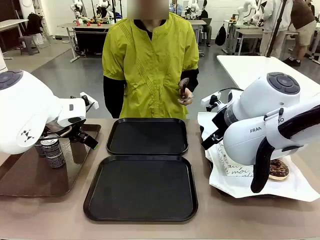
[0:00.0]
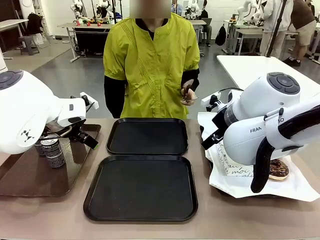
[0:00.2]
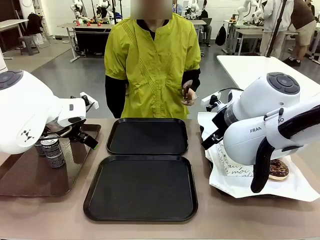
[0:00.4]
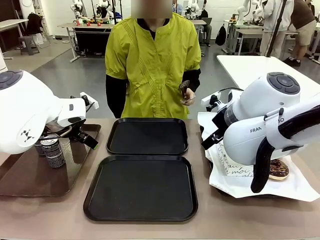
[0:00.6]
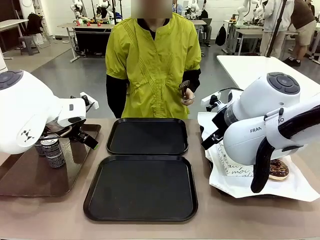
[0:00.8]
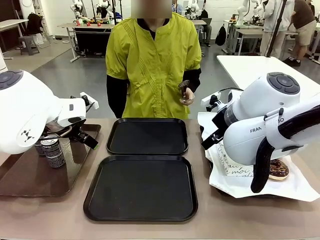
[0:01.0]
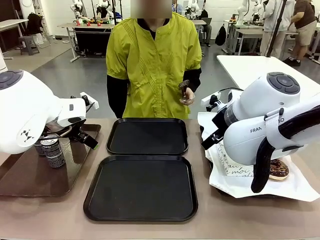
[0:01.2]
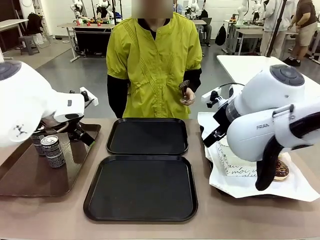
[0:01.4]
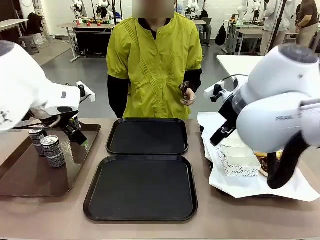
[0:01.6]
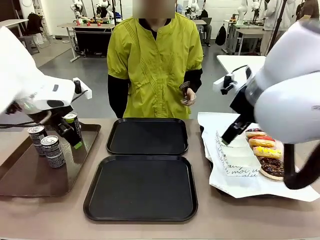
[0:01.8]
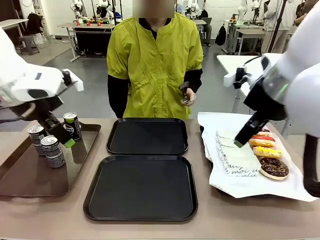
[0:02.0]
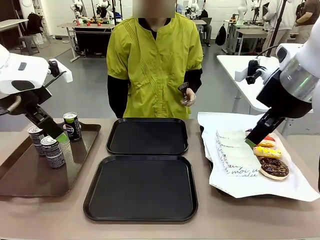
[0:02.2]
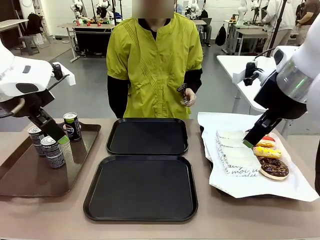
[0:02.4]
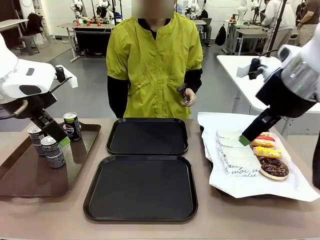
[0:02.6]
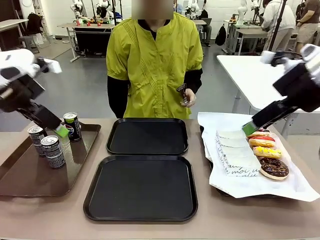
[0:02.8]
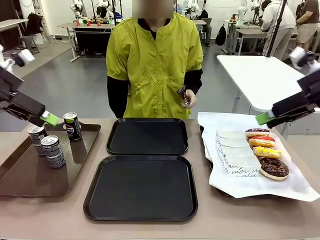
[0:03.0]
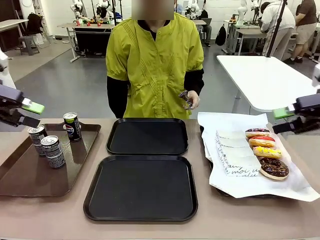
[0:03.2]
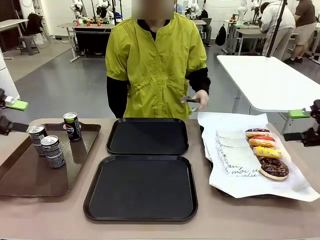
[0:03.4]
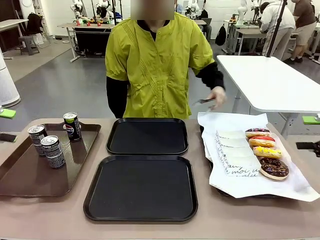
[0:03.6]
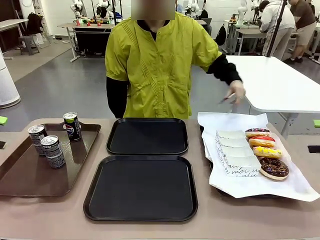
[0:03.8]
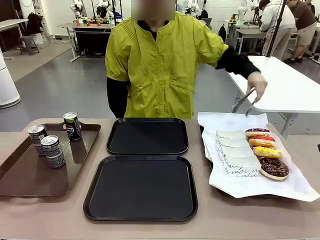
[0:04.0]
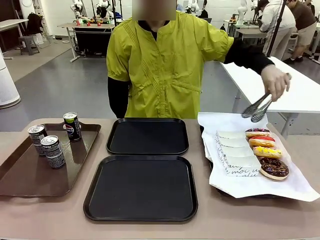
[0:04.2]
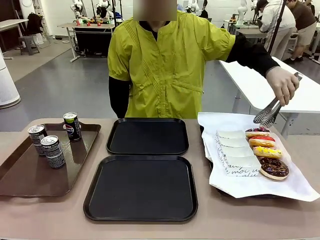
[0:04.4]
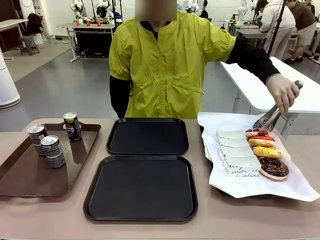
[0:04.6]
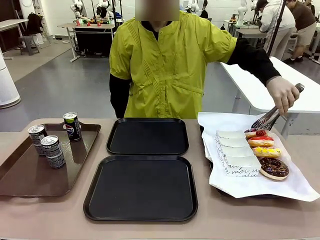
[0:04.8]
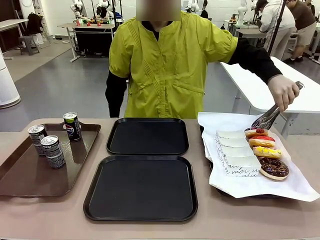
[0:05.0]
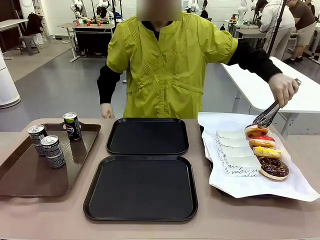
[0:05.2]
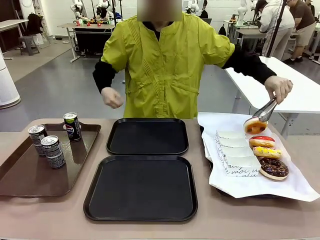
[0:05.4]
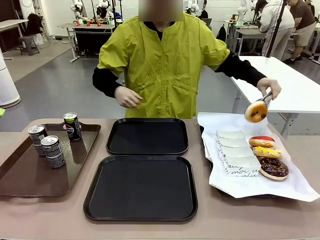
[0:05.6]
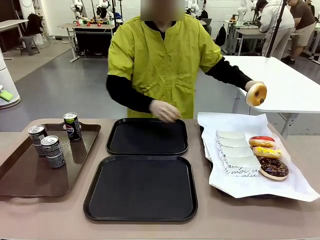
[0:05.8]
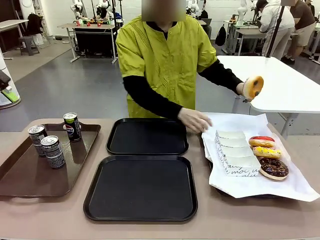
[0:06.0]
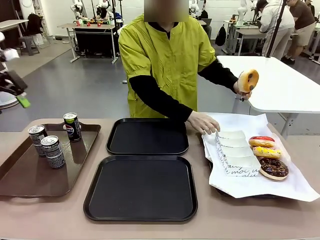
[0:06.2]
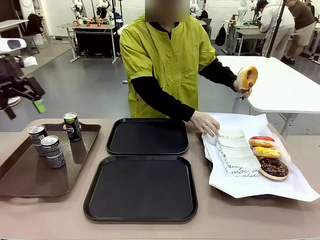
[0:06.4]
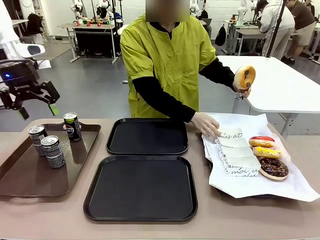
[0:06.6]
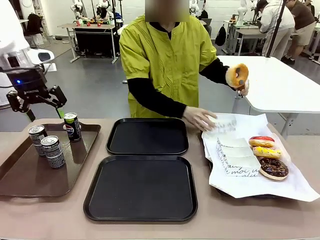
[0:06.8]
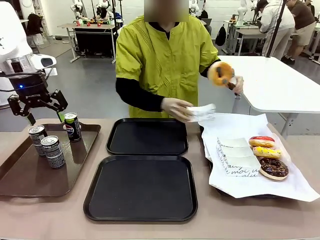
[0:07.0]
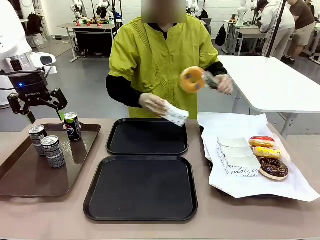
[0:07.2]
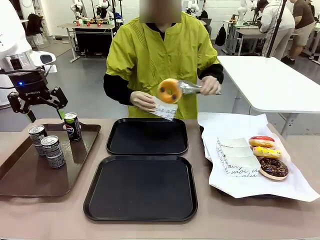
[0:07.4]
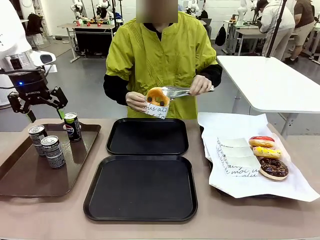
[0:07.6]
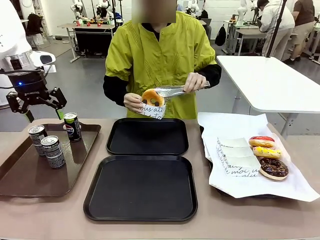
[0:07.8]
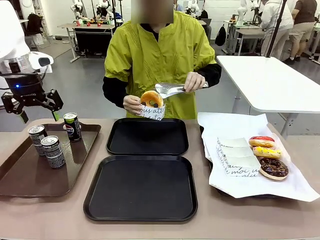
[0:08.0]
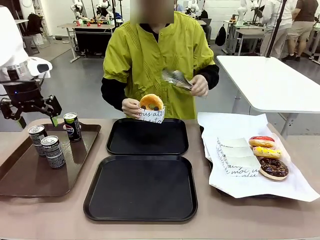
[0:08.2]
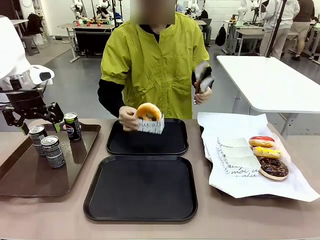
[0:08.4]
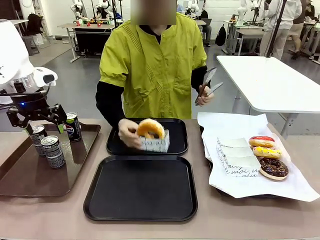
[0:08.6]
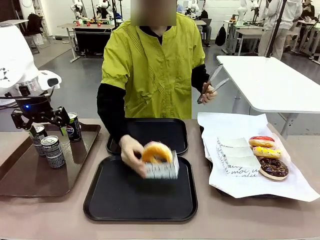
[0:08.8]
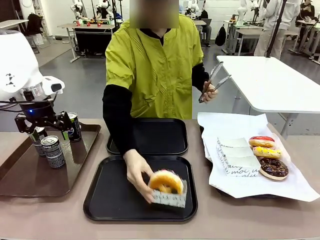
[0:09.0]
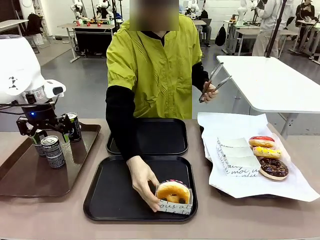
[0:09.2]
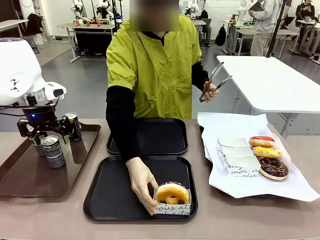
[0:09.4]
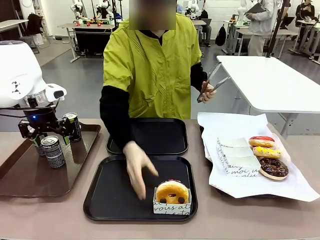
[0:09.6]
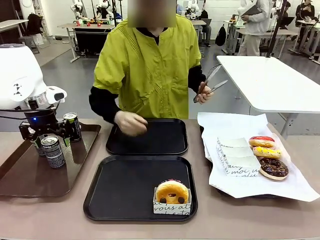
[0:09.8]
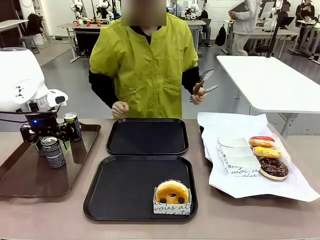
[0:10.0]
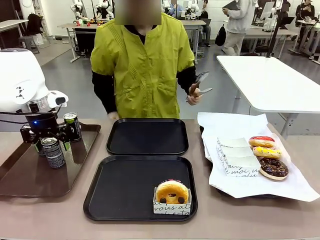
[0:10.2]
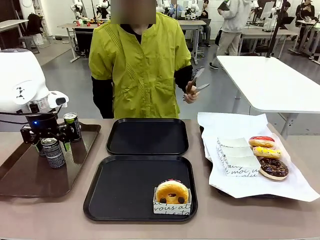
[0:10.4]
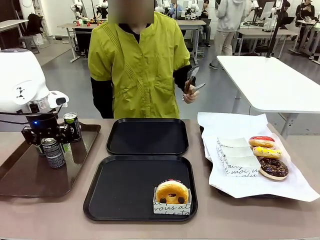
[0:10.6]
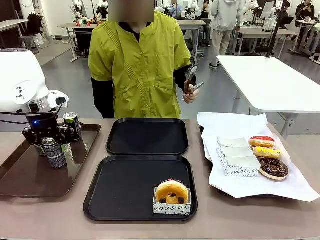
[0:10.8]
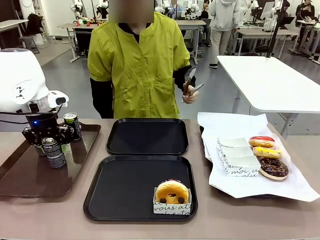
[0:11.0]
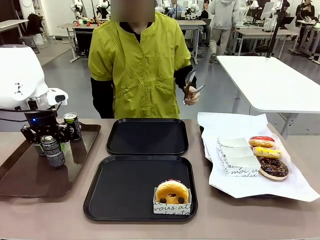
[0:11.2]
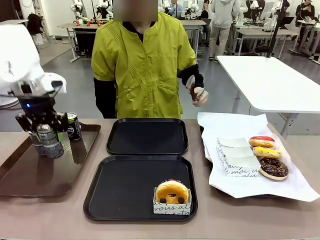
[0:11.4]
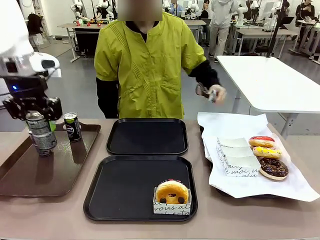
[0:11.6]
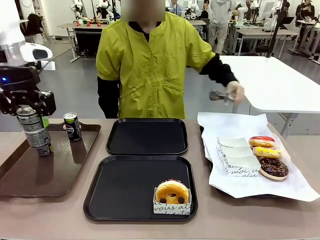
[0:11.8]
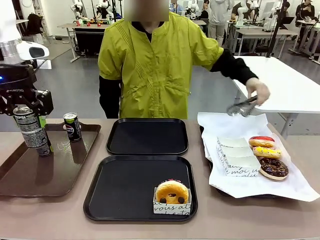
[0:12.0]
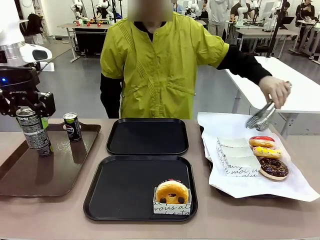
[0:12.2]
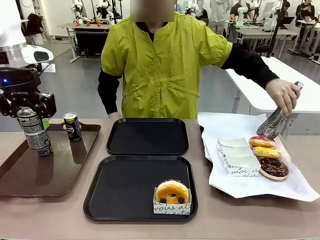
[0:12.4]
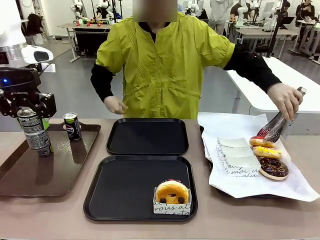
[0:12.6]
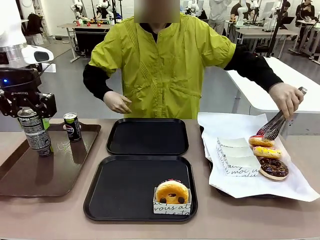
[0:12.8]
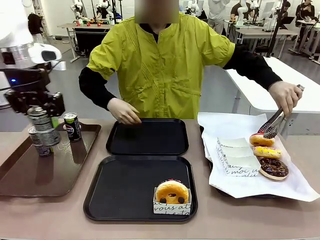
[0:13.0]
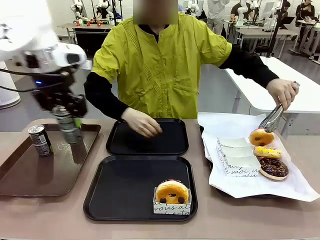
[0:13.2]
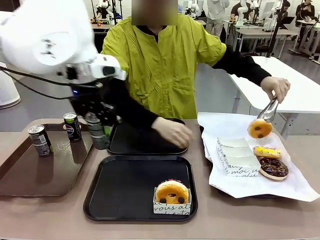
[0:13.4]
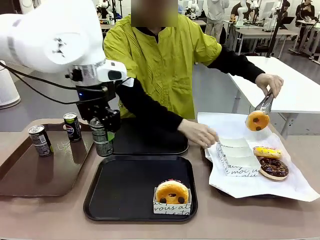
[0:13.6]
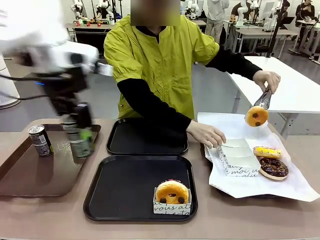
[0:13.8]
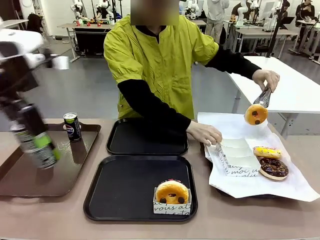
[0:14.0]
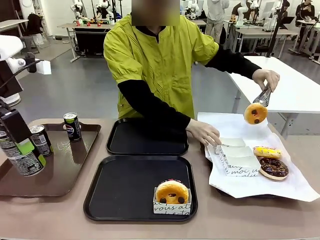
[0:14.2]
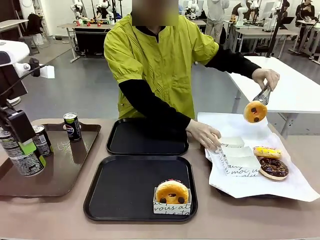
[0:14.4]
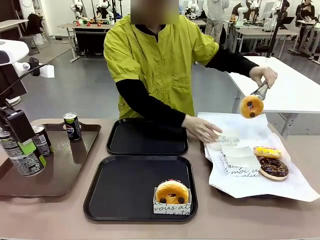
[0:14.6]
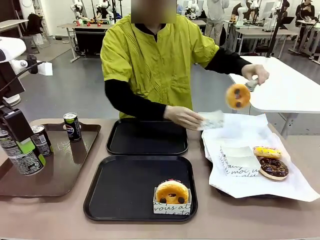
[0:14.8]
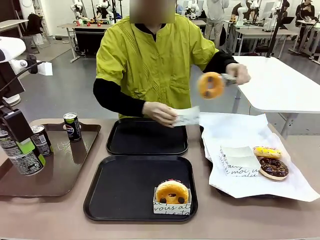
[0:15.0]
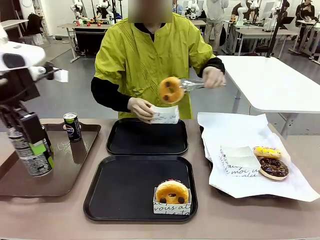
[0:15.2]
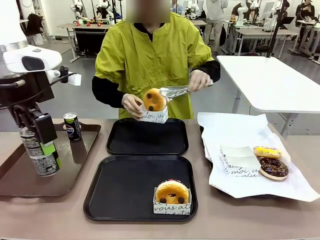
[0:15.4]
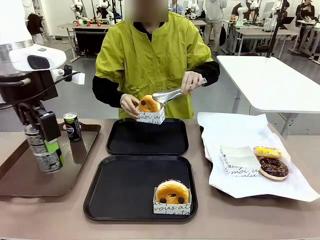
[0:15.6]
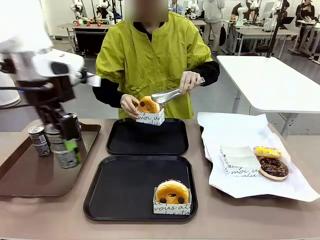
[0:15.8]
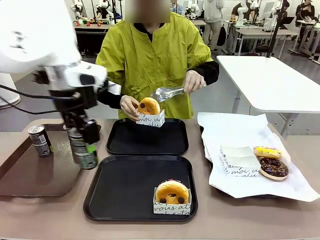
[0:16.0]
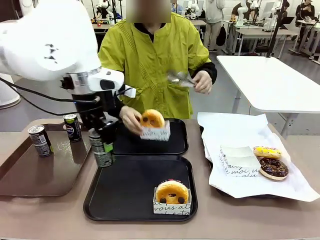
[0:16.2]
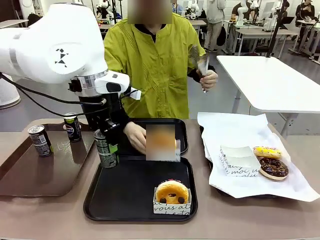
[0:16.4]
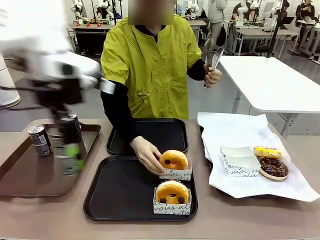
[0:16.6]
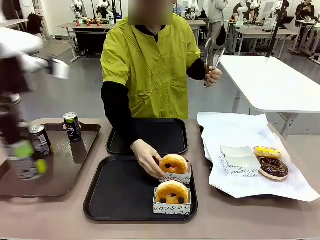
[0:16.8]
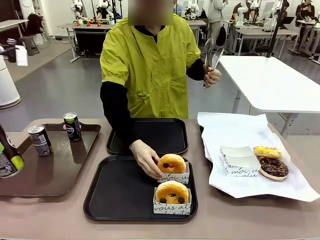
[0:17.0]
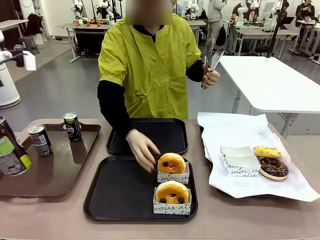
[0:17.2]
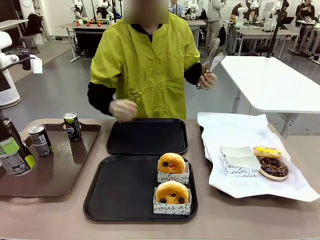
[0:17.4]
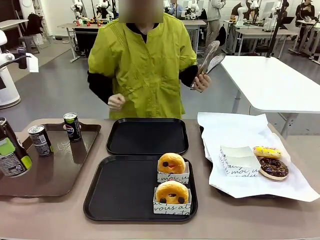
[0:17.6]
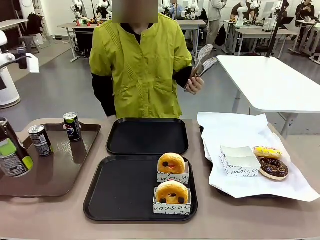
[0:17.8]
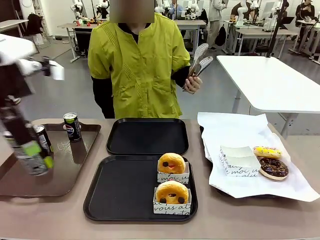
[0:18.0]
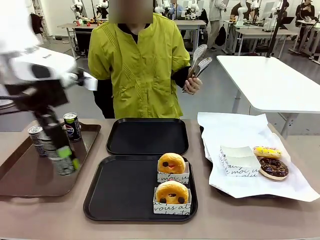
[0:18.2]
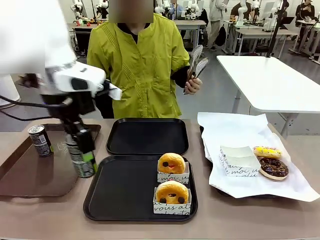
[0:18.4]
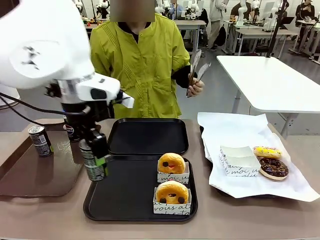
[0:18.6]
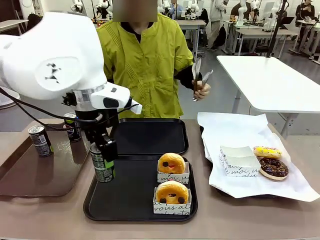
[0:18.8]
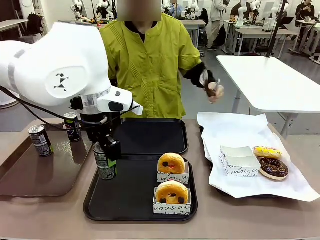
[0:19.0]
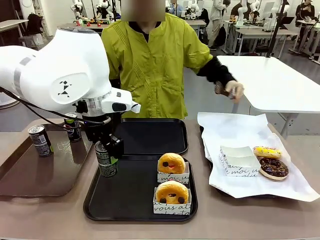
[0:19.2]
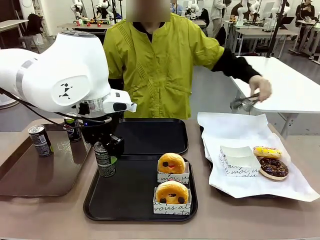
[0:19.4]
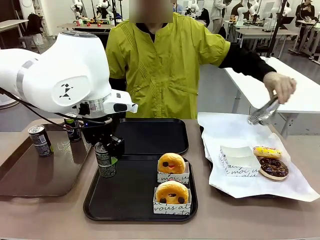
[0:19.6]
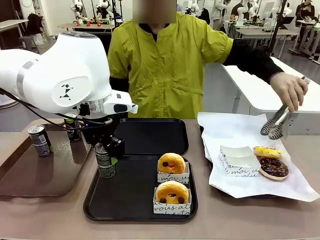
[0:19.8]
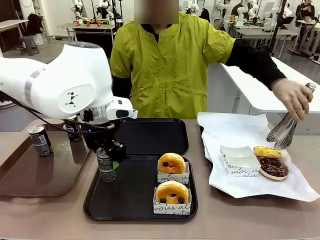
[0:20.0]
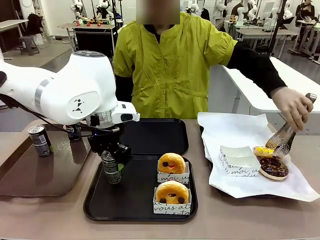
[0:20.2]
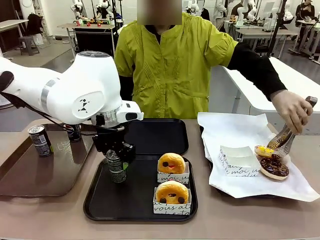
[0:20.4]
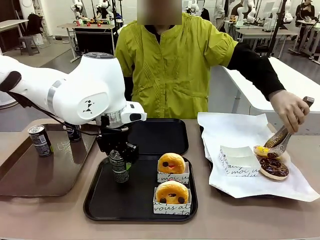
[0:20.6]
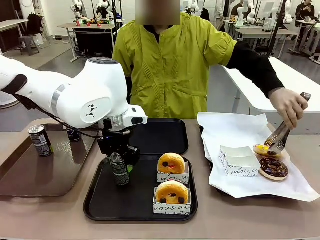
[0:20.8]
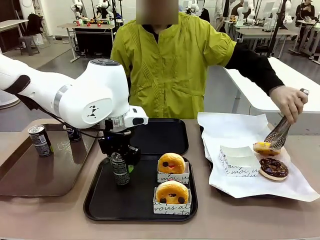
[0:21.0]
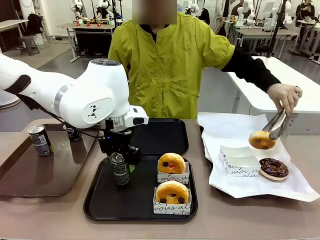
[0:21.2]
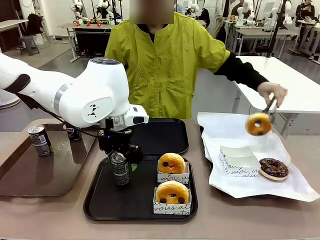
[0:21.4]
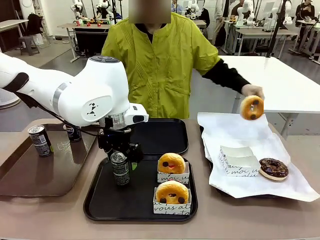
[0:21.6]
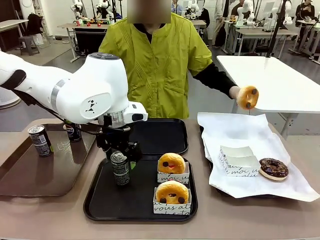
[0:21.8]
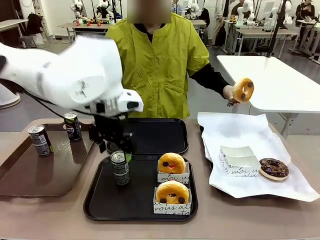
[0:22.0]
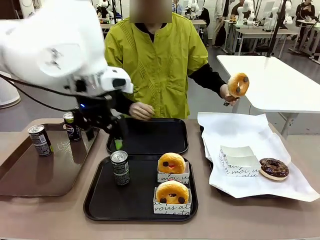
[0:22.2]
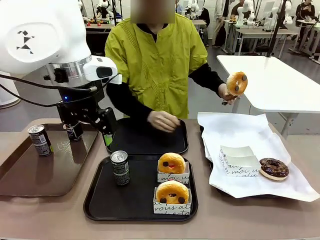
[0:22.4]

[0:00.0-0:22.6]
Task: Set up donuts and drinks on trays.
Robot: Pick up one Pepsi coke and place it on the Flat Tray.
